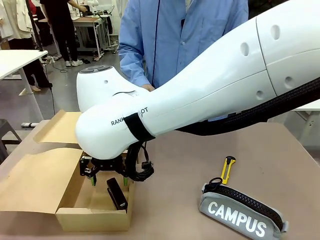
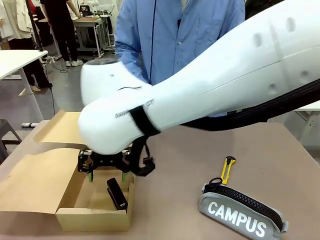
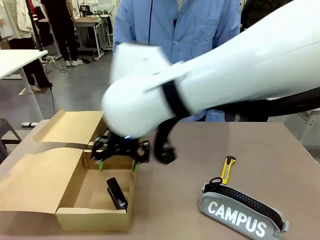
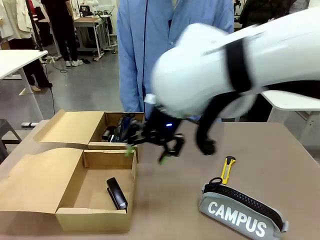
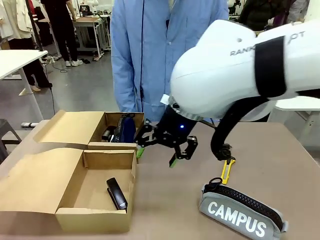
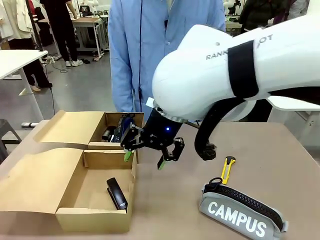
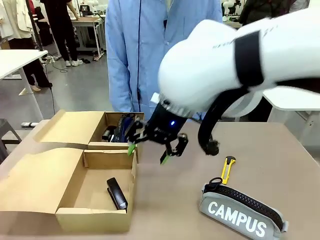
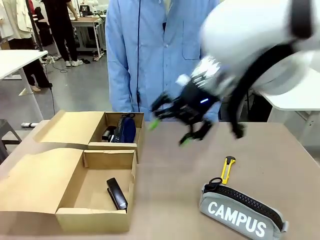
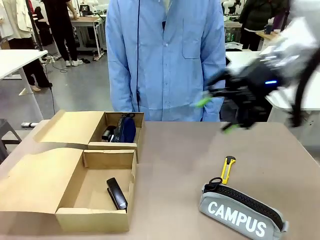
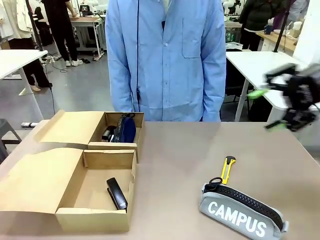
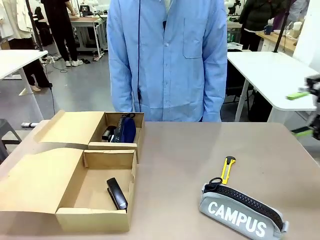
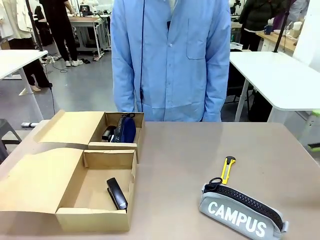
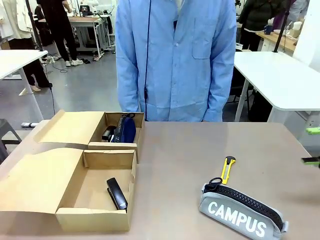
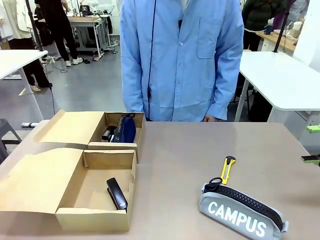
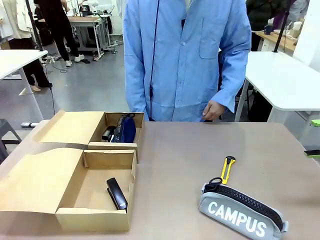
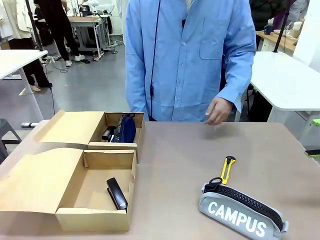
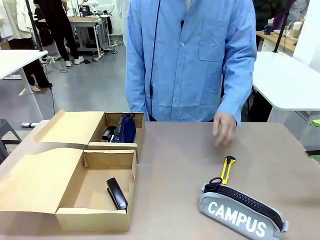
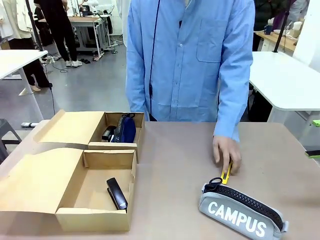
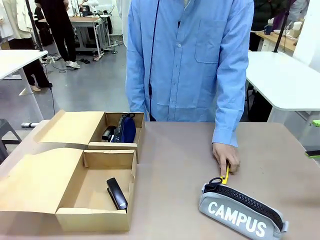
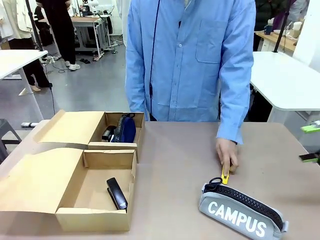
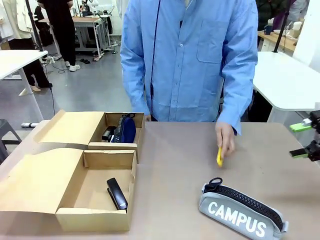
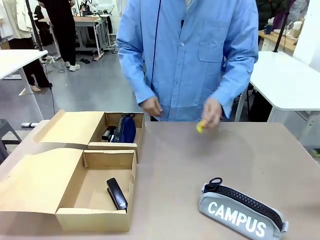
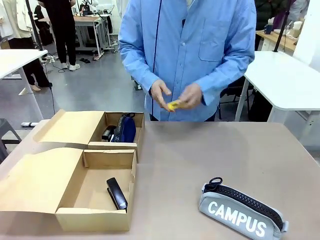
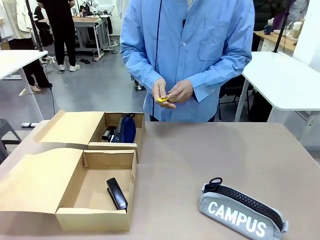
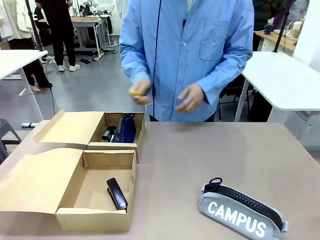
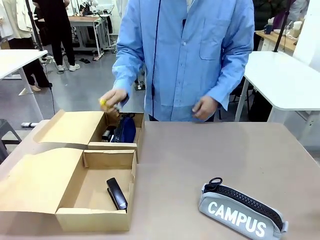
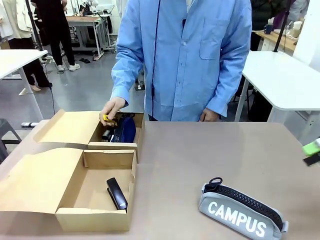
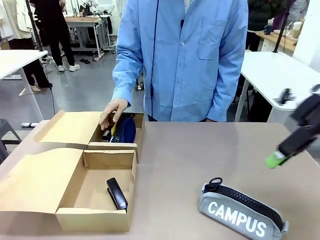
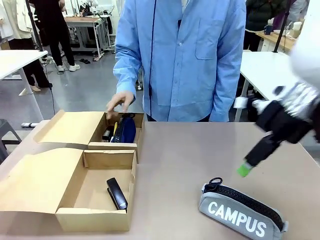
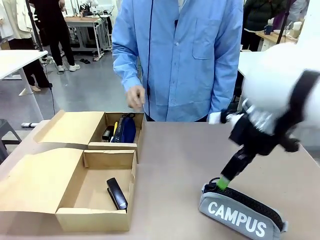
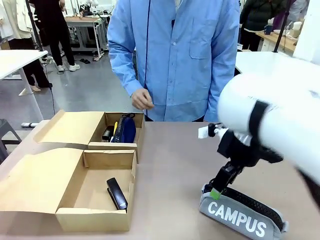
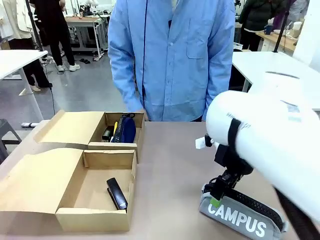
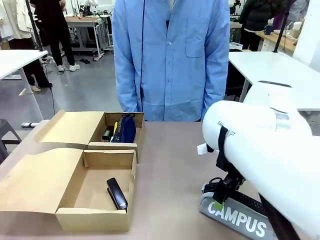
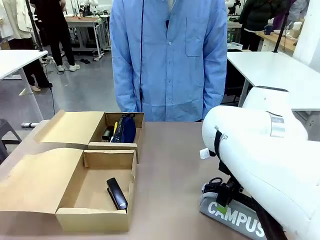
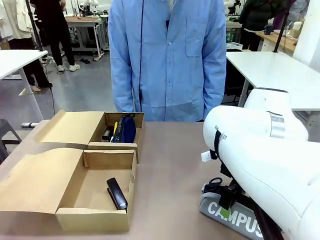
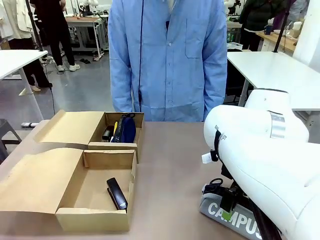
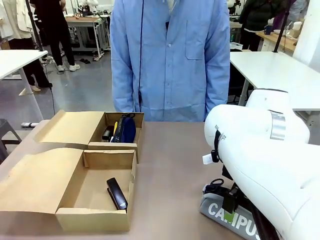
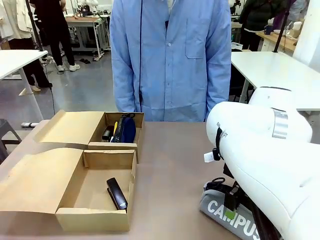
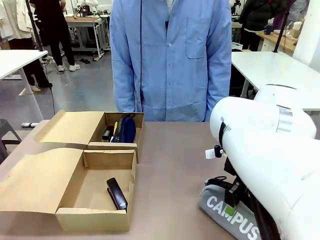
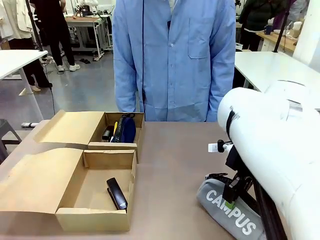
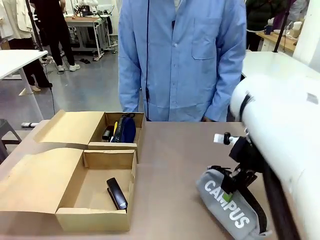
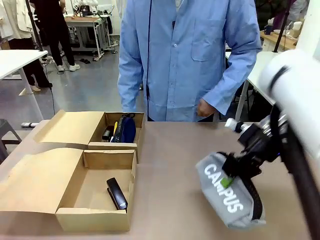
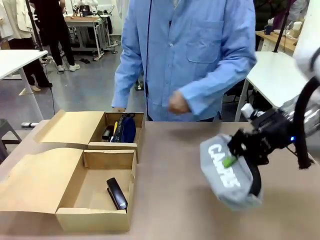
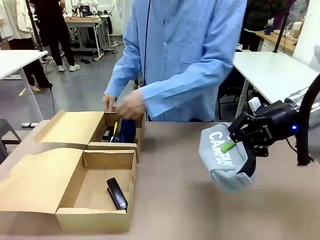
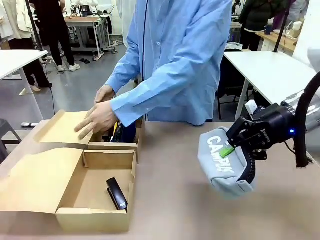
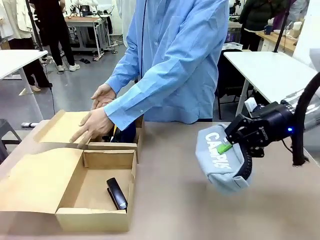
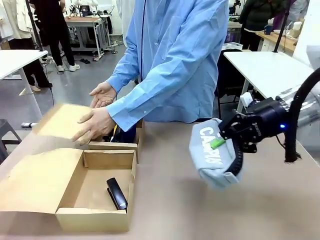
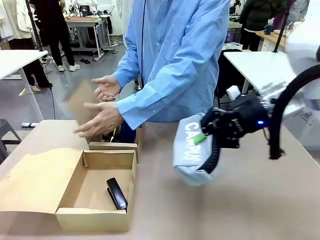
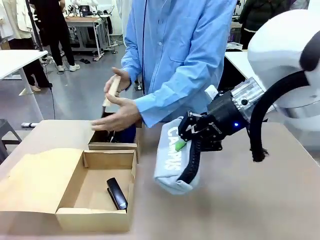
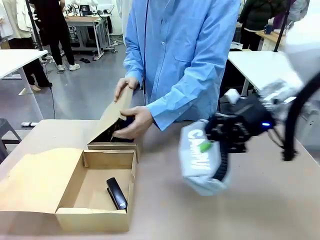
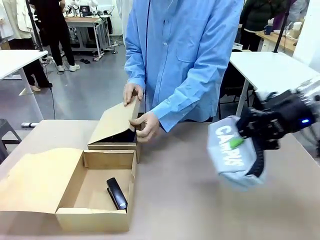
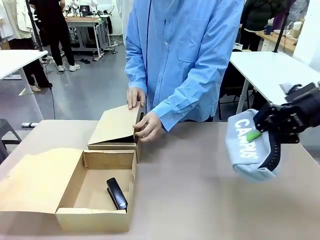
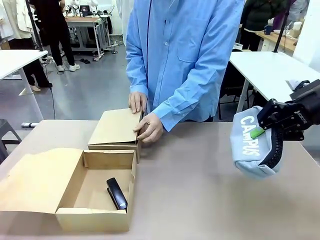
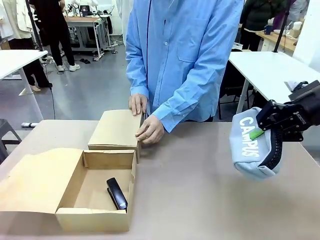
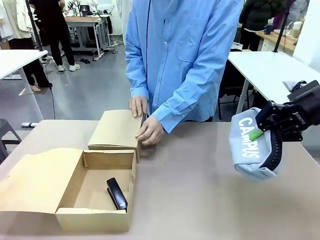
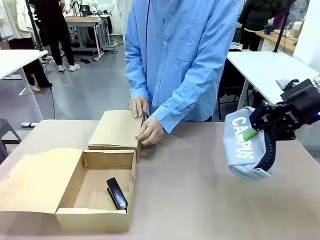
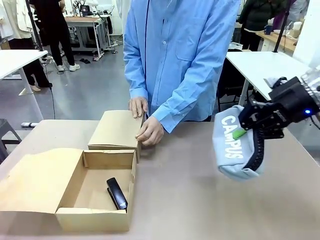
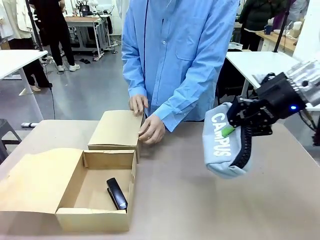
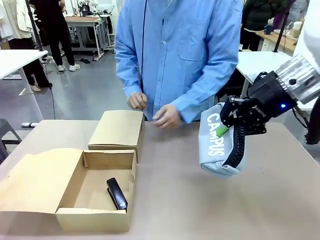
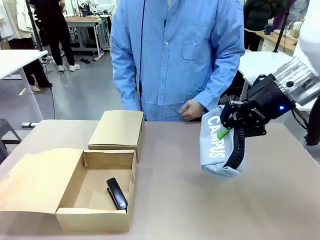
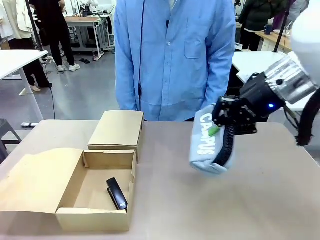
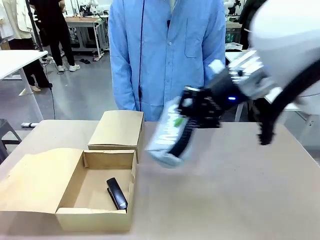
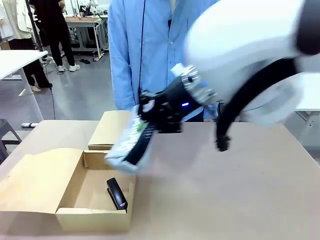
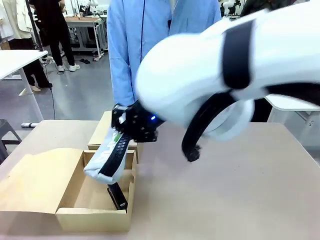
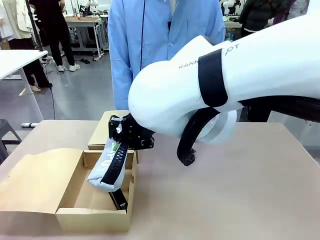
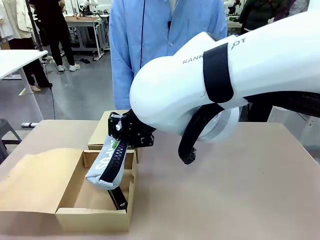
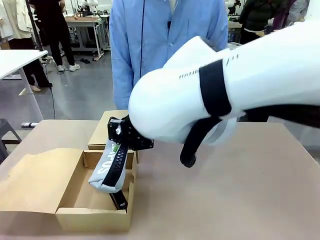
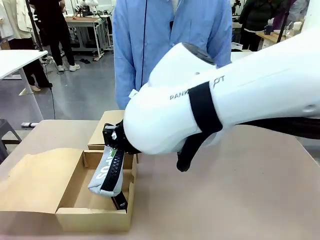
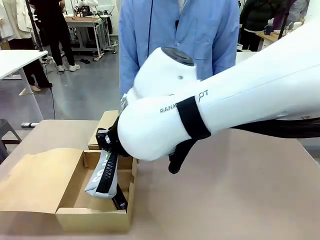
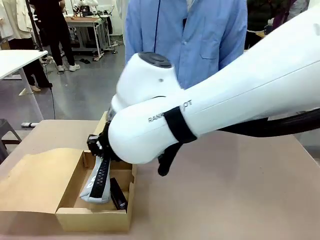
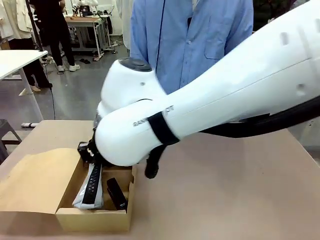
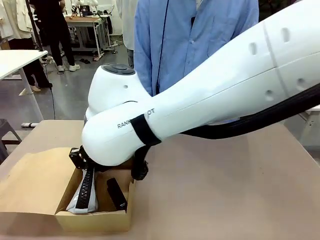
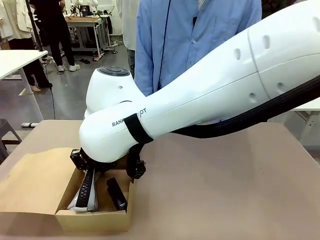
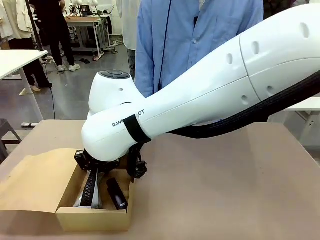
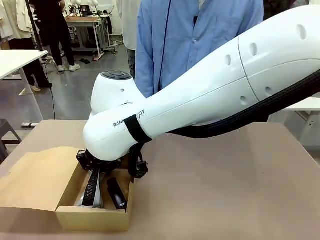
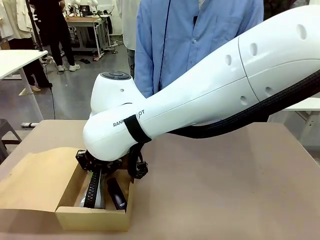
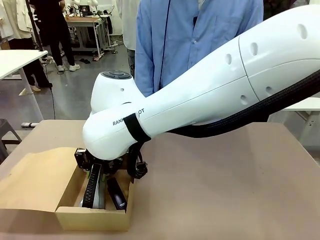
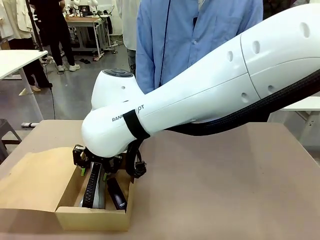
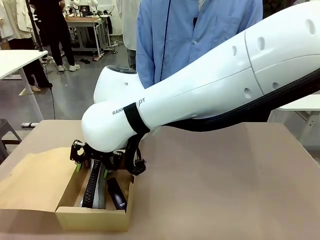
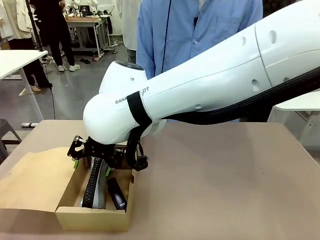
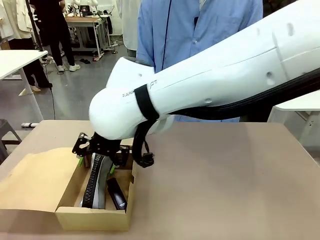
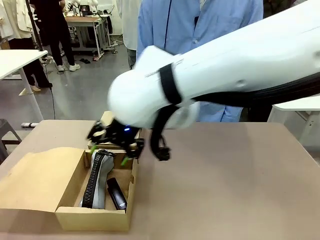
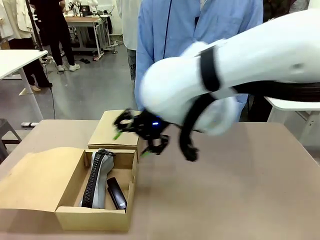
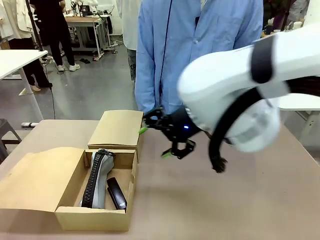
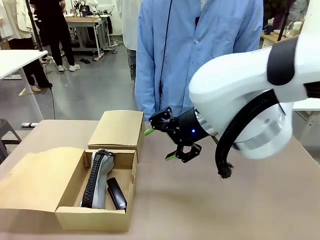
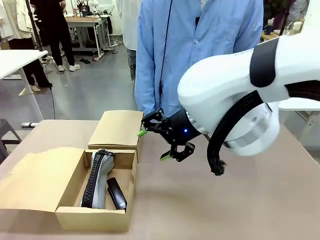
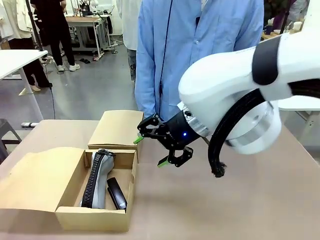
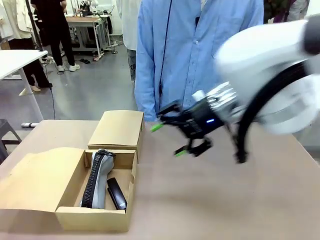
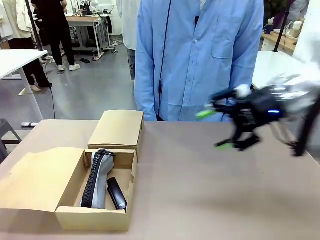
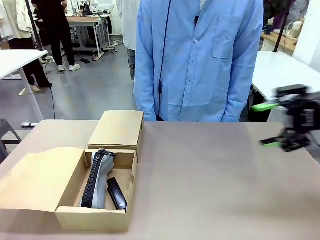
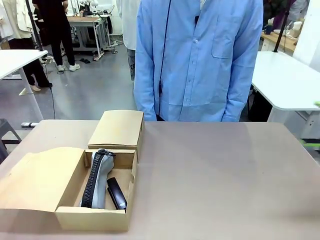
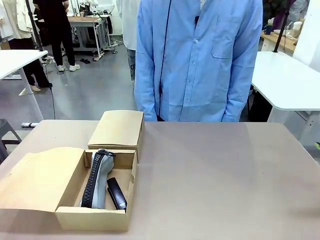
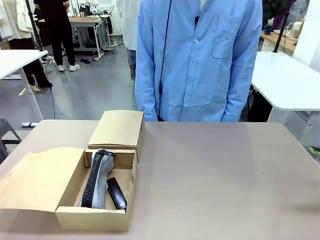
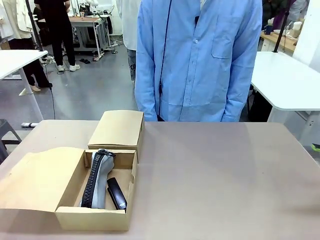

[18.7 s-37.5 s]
Task: Place items inside the box.
Robot: Pick up a Pencil pouch or Stapler and place it inside the Mailer Box closest to the robot.
Person: Close the lid of the box facing the person.
